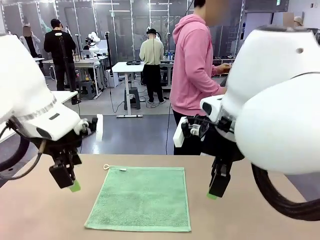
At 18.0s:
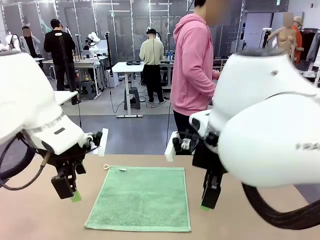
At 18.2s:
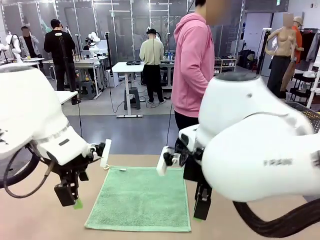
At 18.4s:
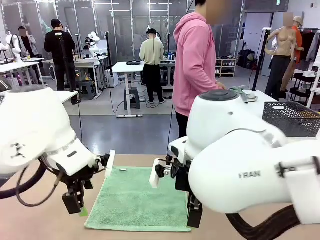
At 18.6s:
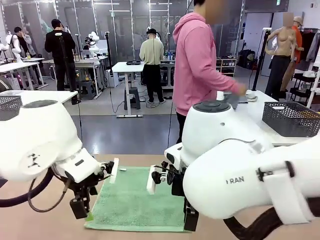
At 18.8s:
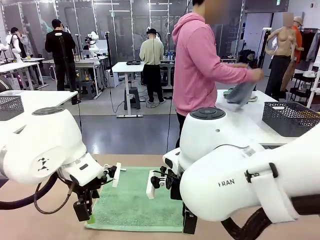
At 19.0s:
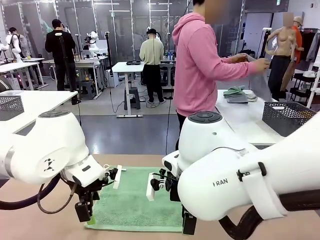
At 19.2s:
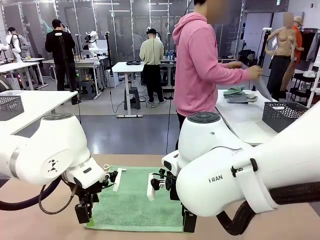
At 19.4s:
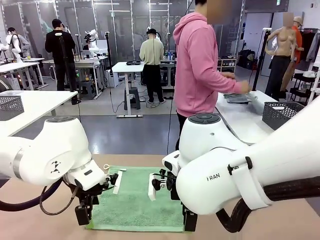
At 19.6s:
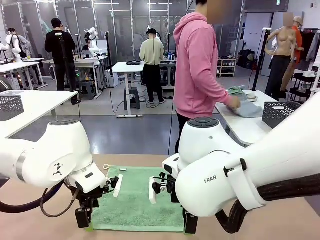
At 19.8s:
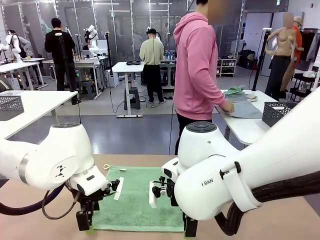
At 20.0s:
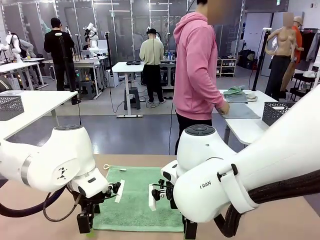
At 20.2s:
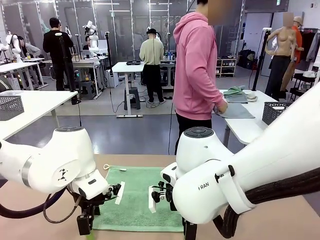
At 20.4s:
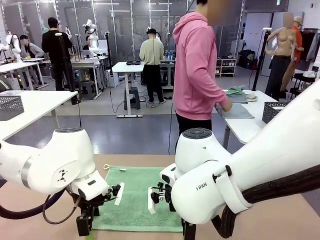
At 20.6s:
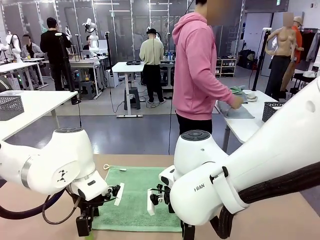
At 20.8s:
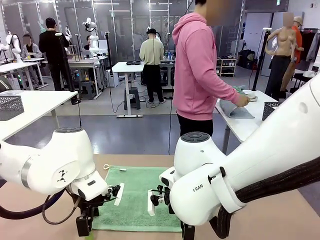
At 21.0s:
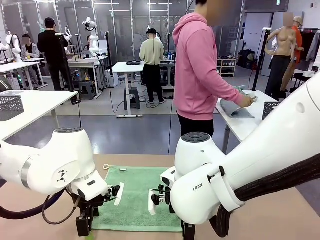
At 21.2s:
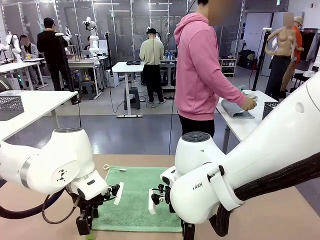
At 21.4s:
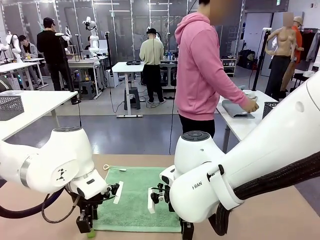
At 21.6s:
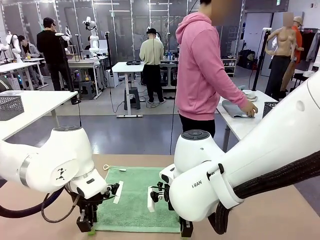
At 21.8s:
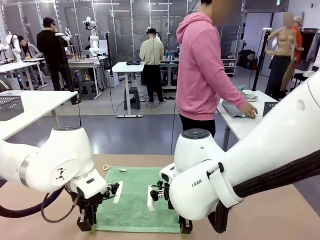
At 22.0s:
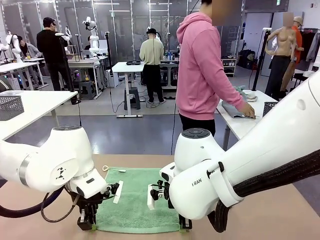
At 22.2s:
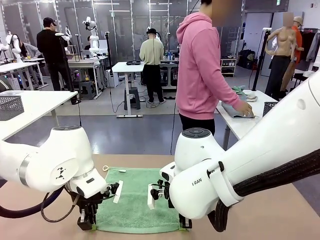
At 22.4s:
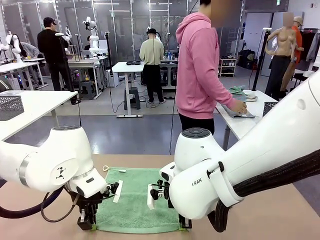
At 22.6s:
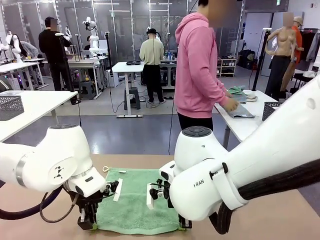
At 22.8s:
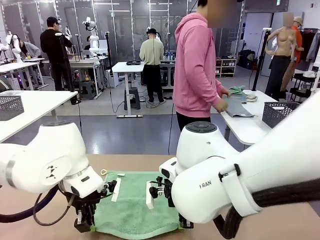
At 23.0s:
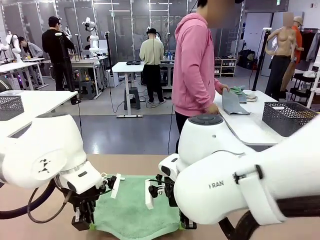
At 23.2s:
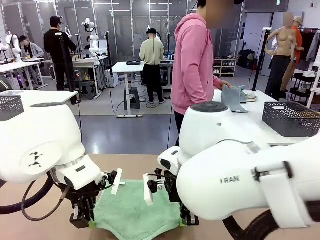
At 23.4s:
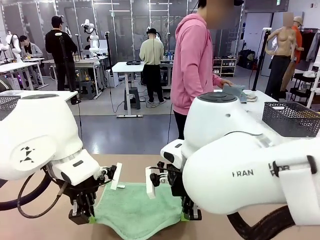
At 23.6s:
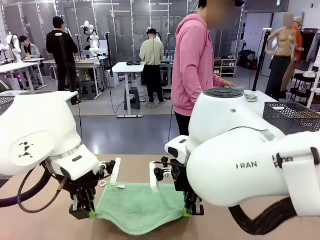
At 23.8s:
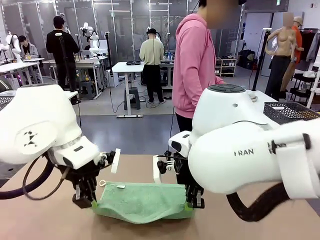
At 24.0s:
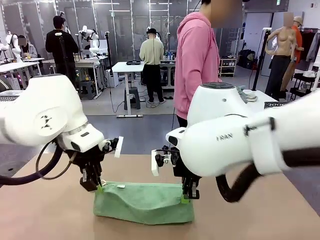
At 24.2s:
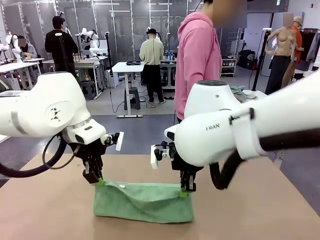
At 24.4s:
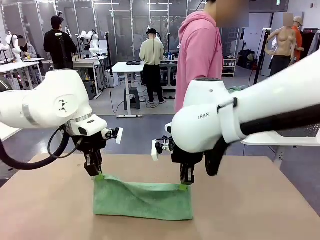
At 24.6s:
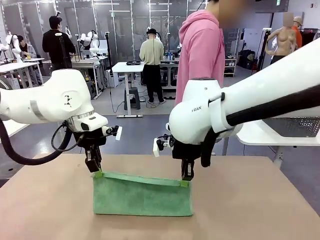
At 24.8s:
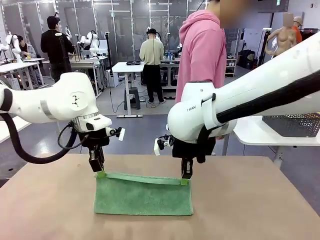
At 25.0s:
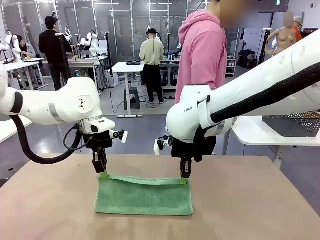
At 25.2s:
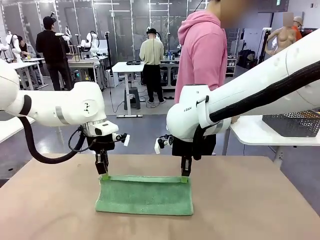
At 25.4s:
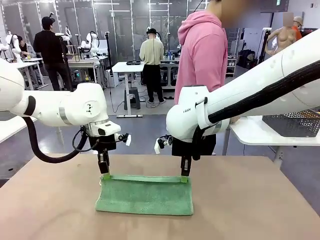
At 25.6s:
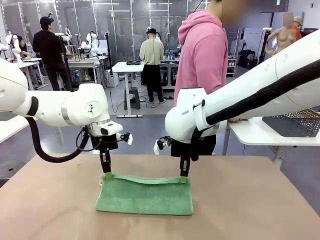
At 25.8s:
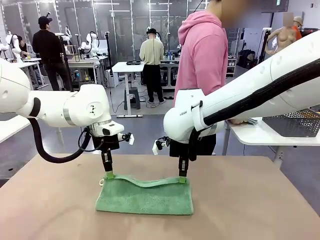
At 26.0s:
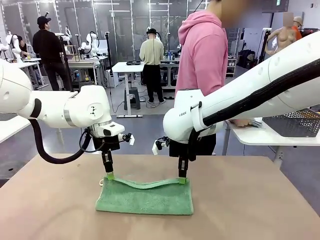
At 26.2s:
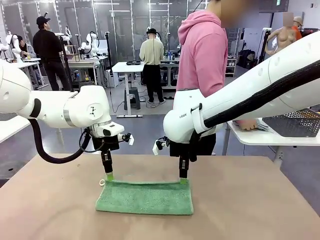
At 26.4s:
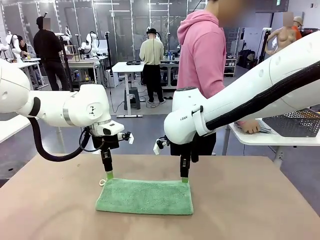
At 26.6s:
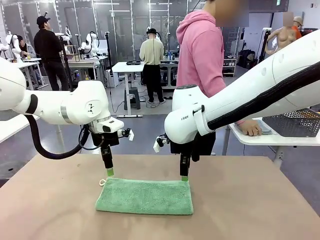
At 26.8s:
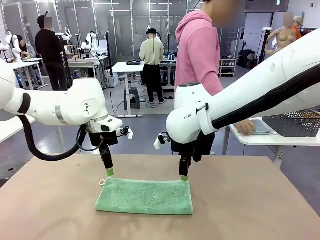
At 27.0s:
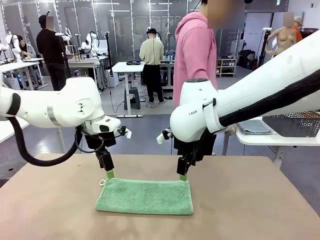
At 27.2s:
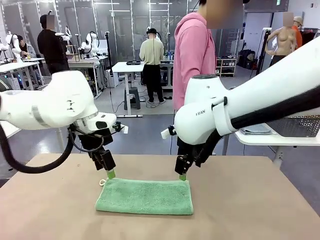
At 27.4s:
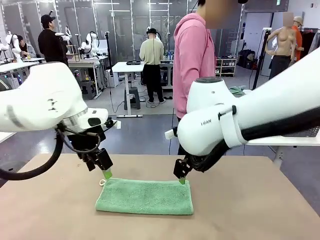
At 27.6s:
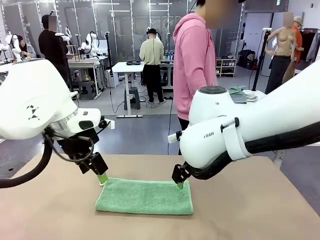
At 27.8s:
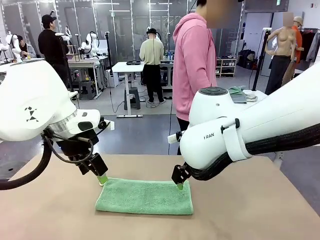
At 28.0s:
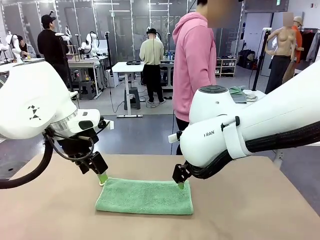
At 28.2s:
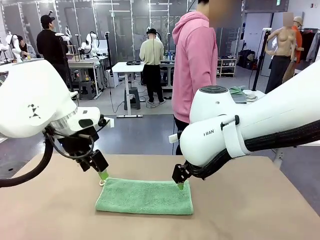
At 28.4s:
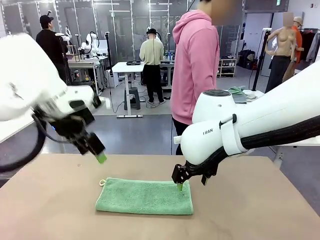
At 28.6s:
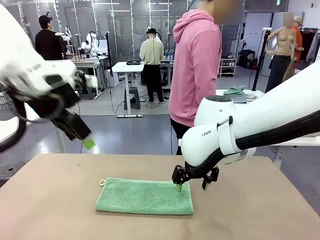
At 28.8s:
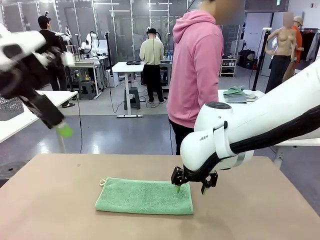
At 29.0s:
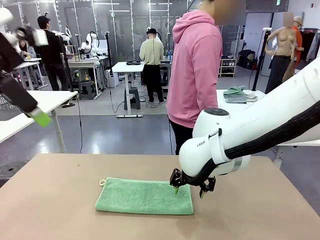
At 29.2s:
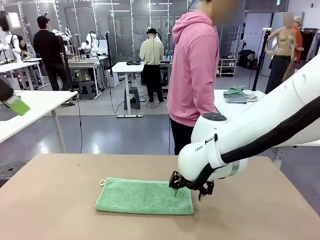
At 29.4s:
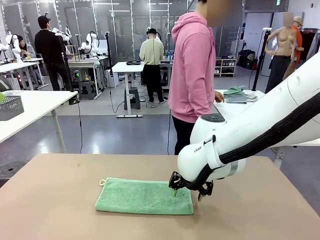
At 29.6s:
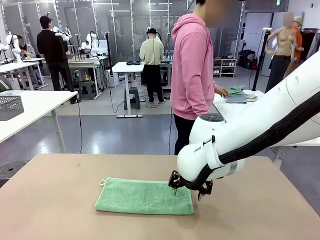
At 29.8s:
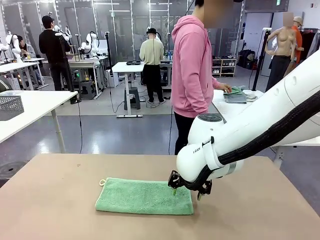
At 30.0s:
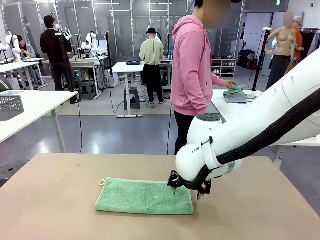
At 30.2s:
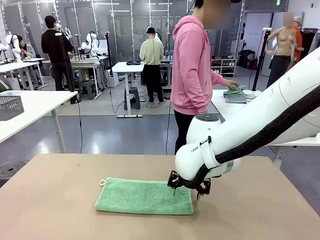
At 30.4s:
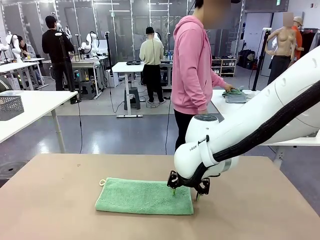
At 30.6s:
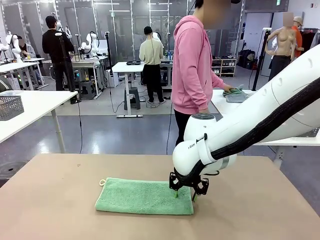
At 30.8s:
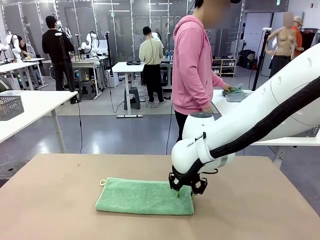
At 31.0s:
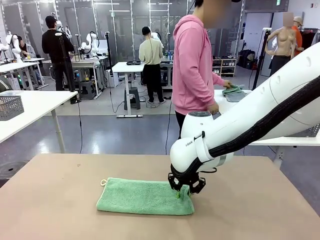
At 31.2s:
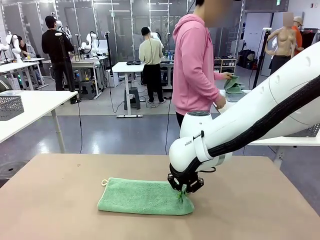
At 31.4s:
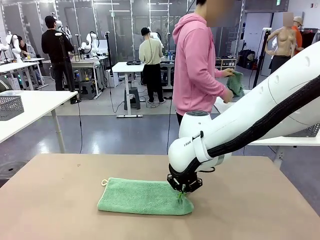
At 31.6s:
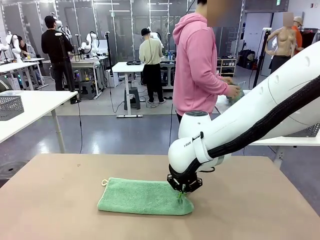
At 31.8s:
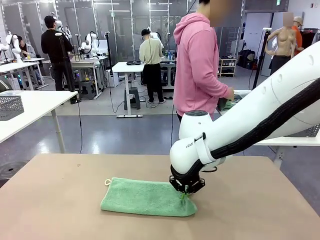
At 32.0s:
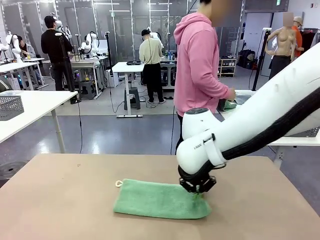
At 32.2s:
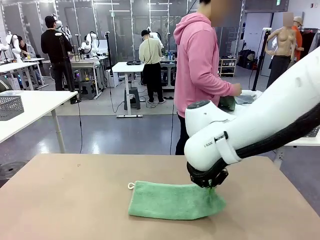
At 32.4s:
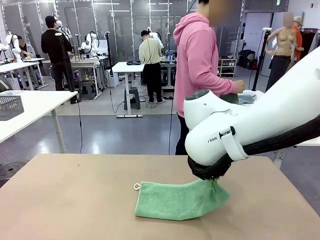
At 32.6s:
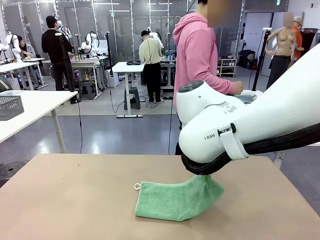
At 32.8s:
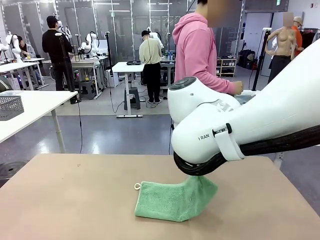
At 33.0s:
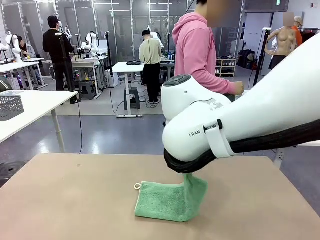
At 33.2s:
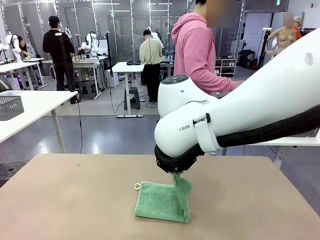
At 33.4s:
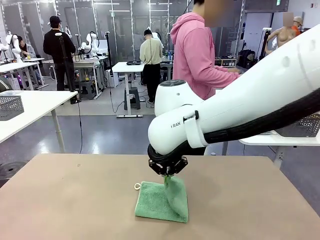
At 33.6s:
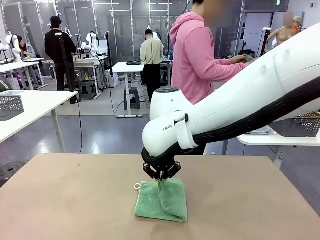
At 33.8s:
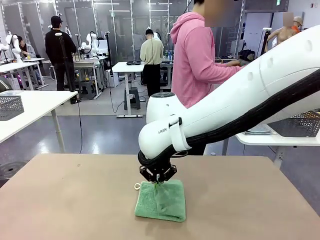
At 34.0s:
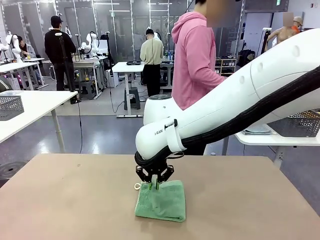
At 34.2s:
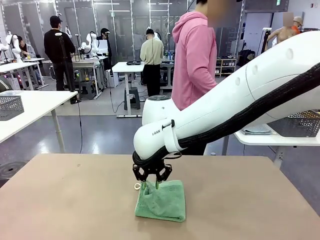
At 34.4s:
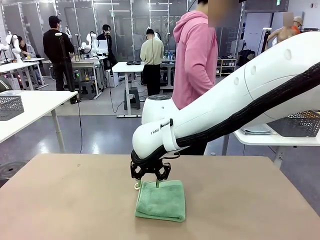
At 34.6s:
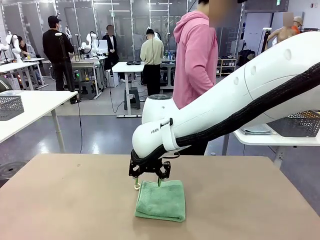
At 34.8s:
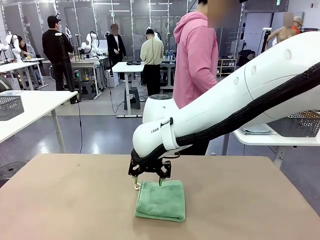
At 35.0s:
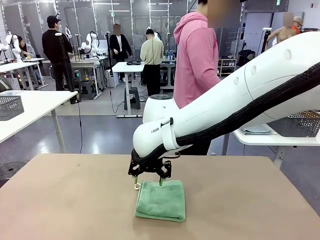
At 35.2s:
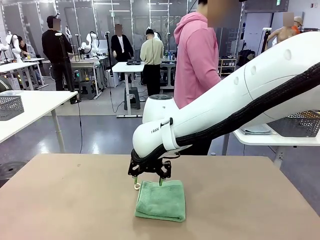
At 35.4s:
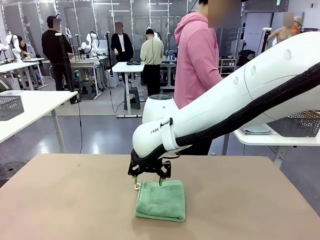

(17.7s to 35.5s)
Task: Fold the towels and place them in the basket.
Robot: When a person lays out a Towel with hook on the table, fold it in half twice.
Person: Pick up one towel from the left side of the human table, fold it in half twice, and place it on the right side of the table. Pick up one towel from the left side of the human table, fold it in half twice, and stack it on the right side of the table.
